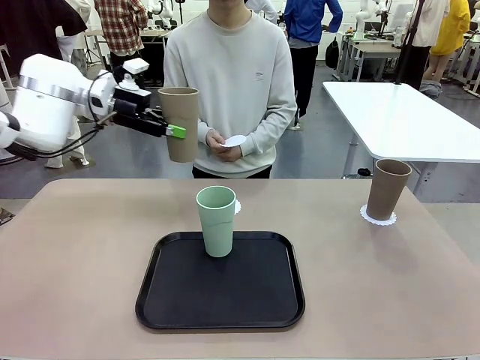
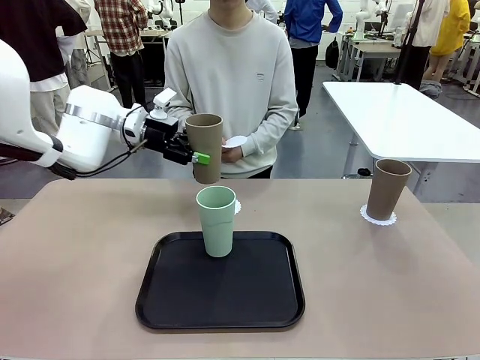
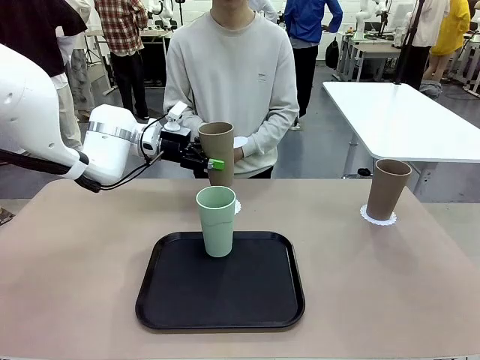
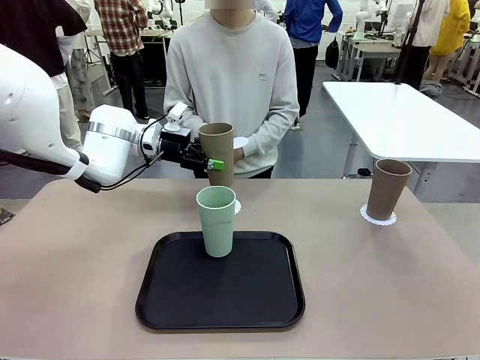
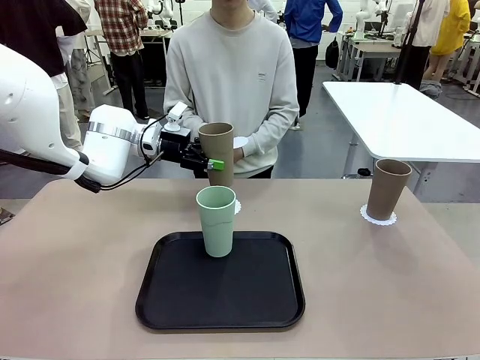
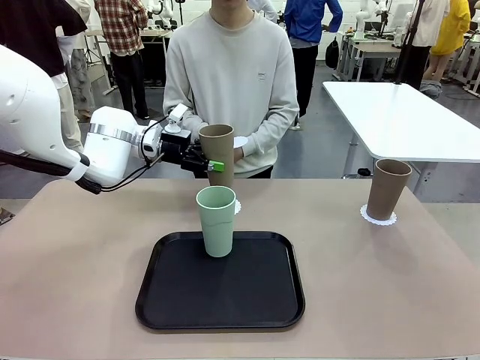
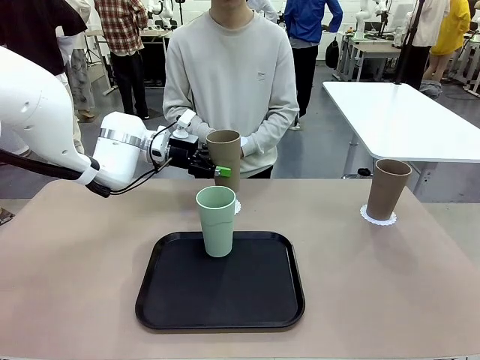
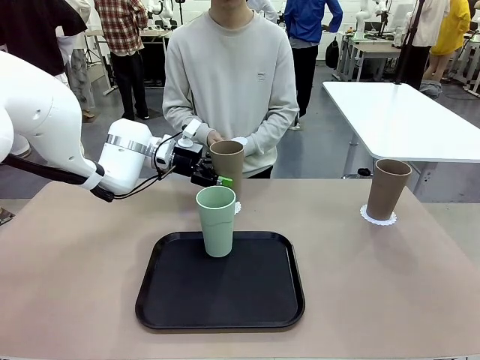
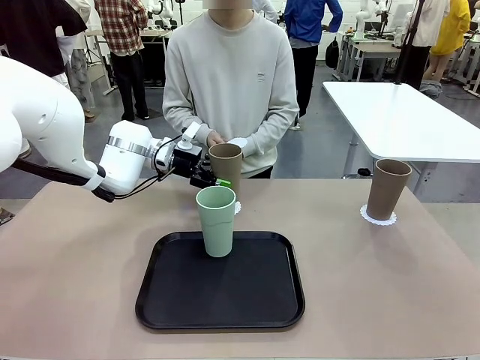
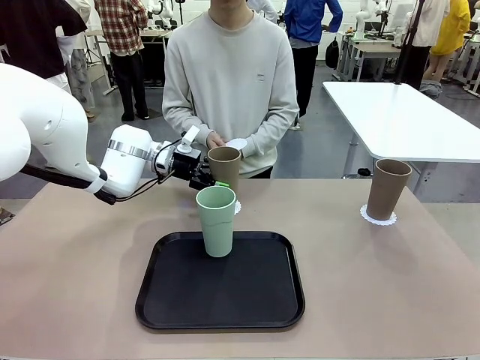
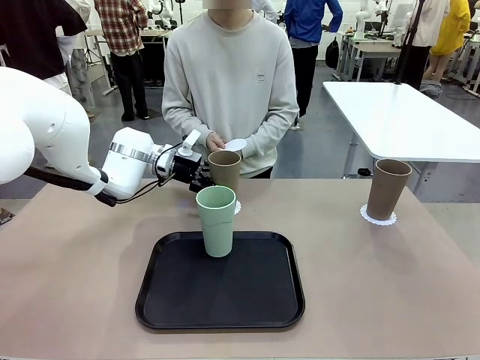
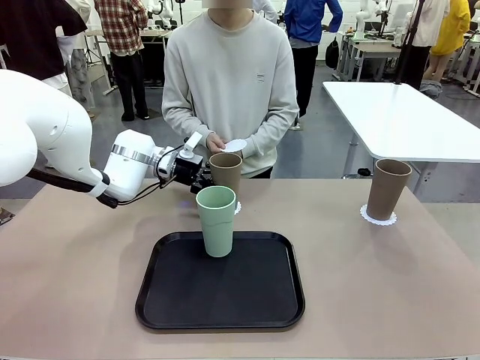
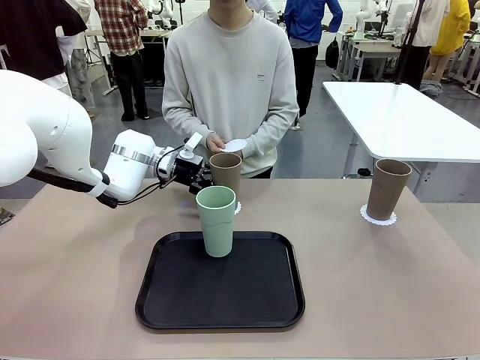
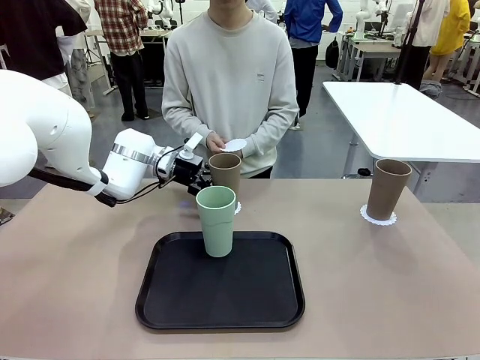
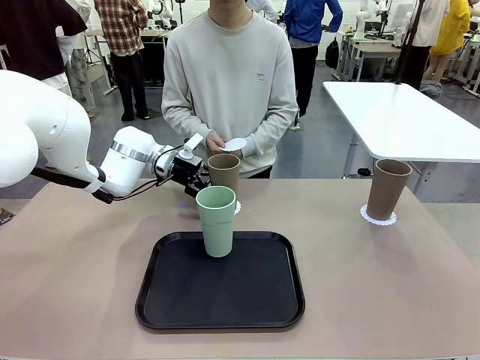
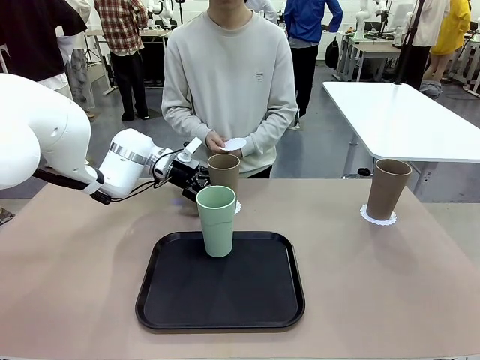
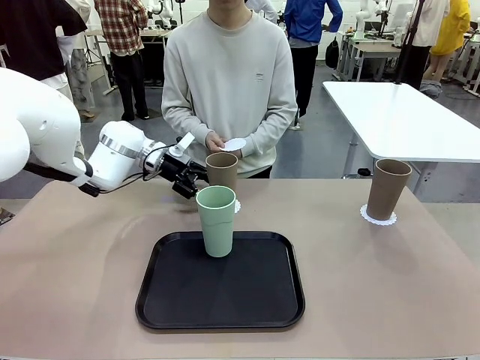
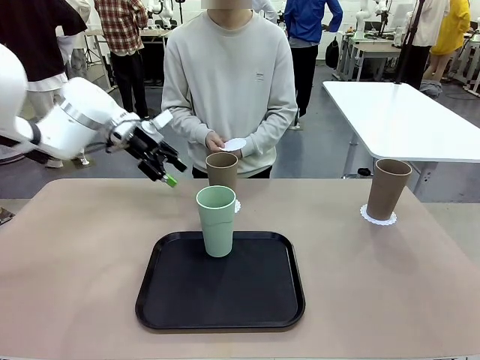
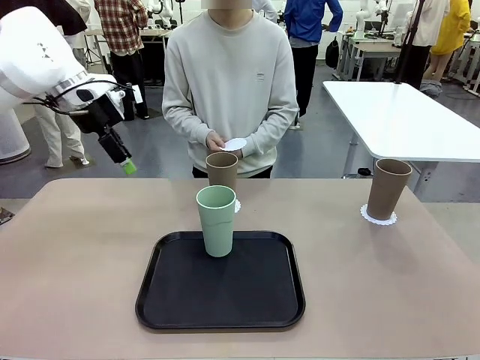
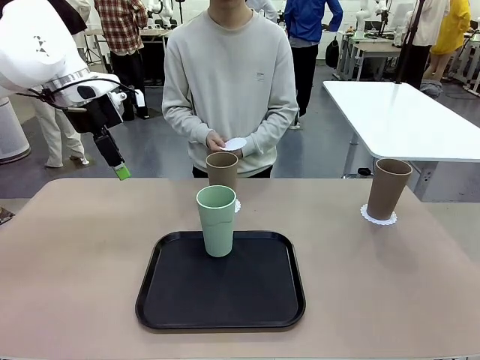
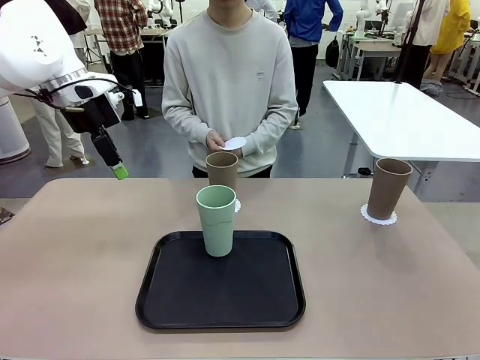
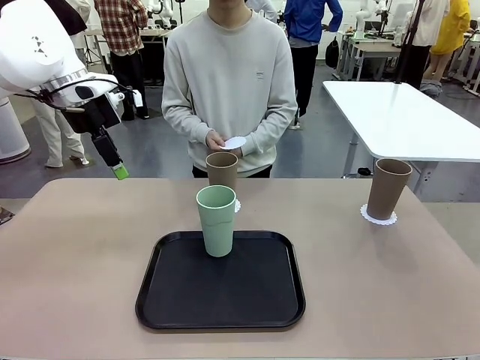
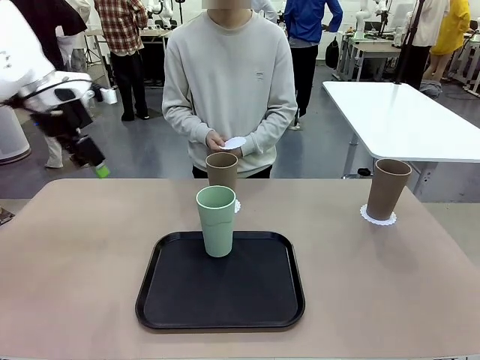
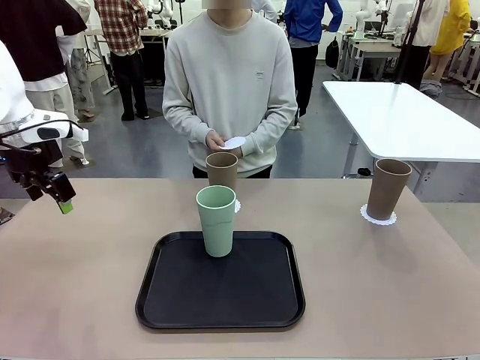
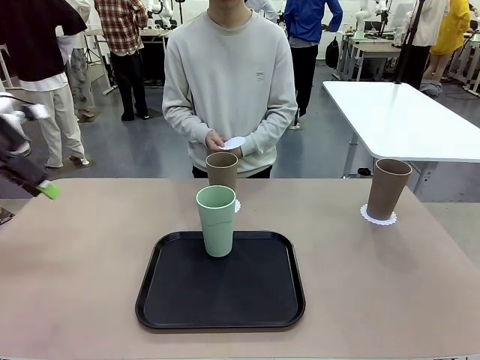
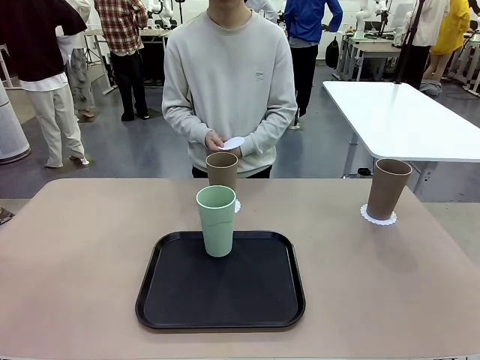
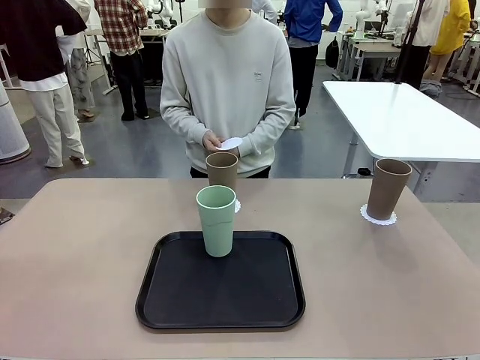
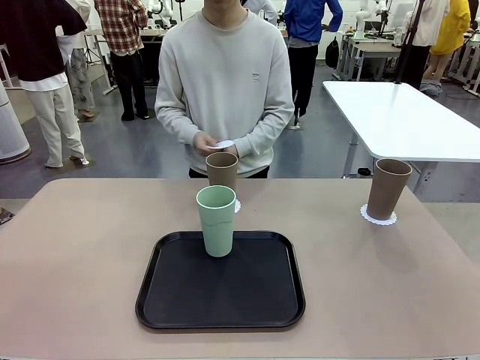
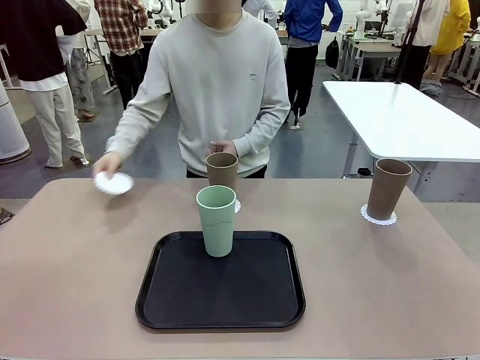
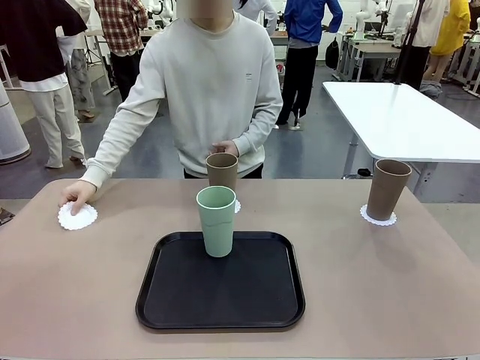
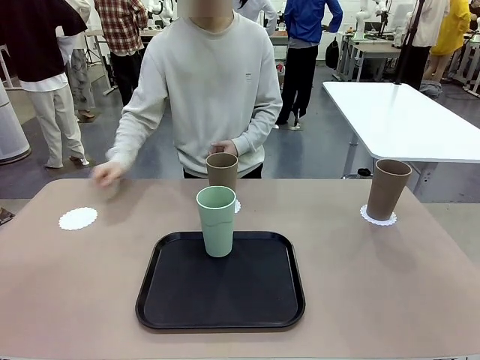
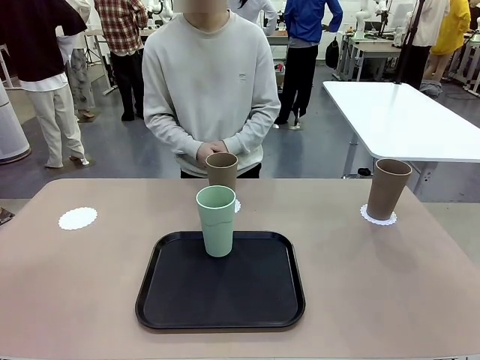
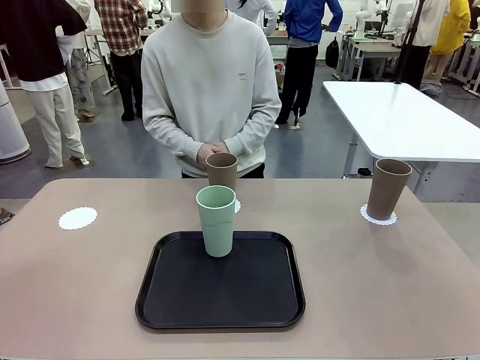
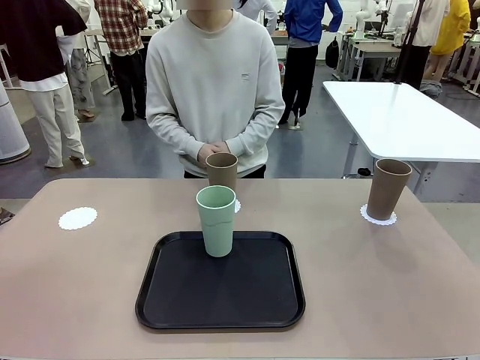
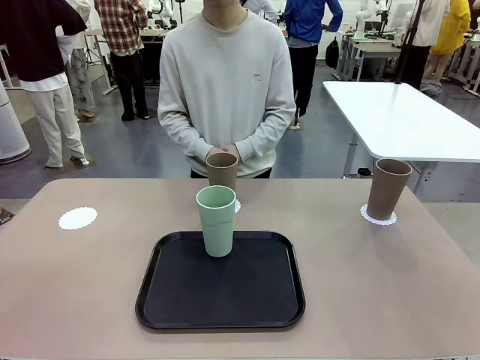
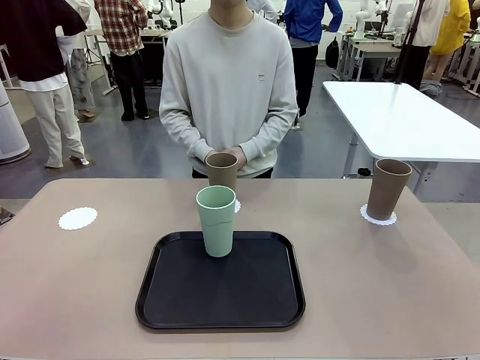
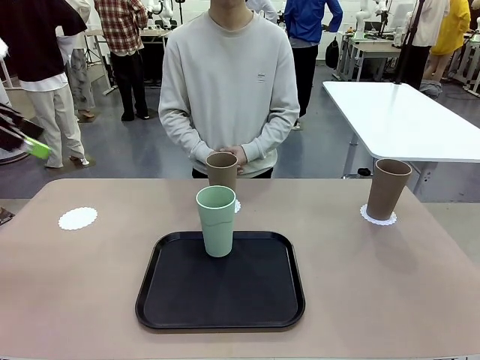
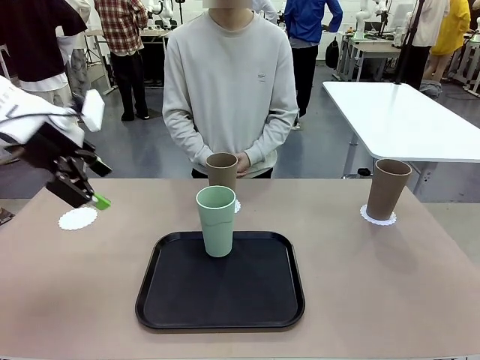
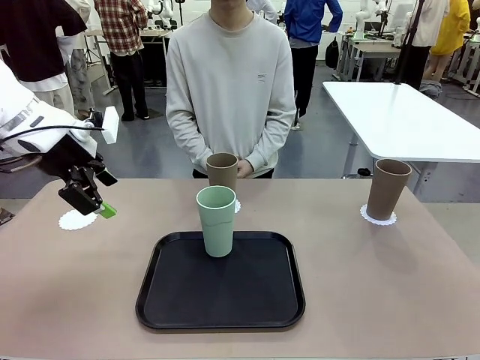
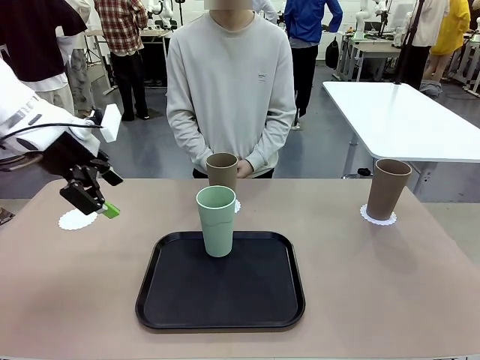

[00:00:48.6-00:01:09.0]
Task: Place coasters on the table and set cups on them.
Robot: Take one Reusable plastic cup from the Flat Tray and place it on a coaster set by the human.

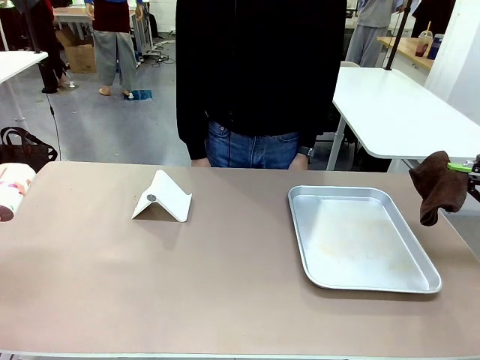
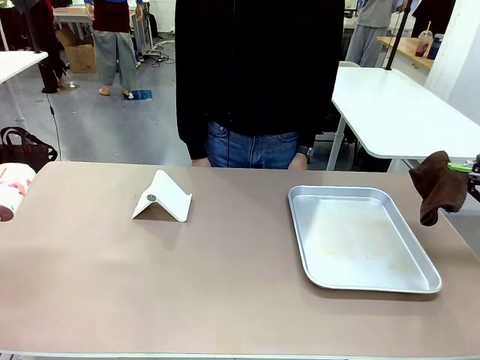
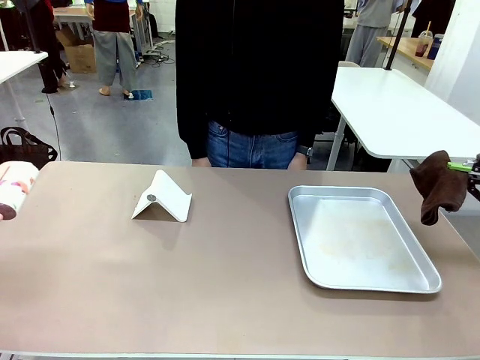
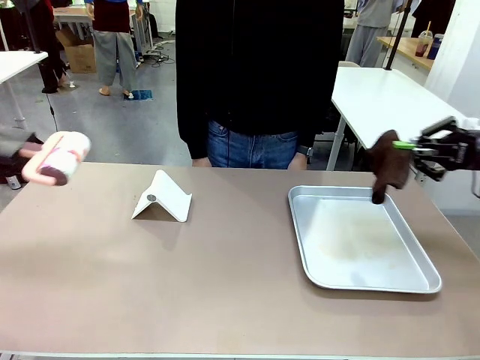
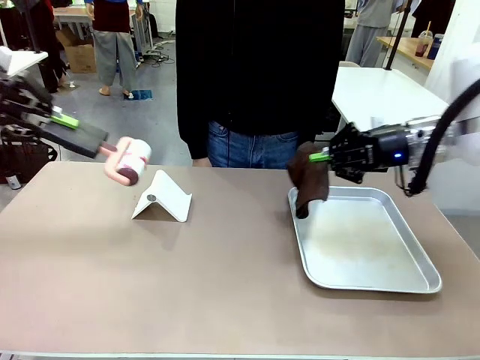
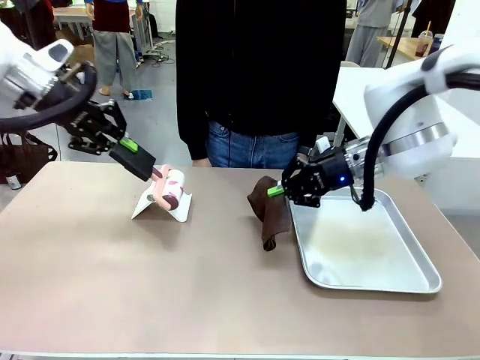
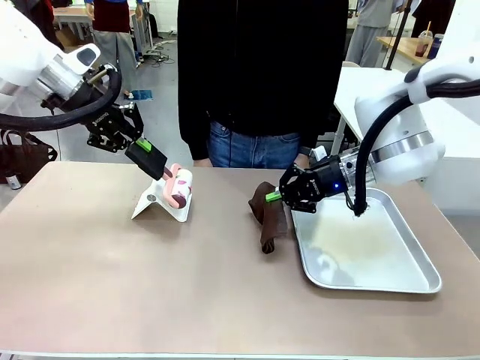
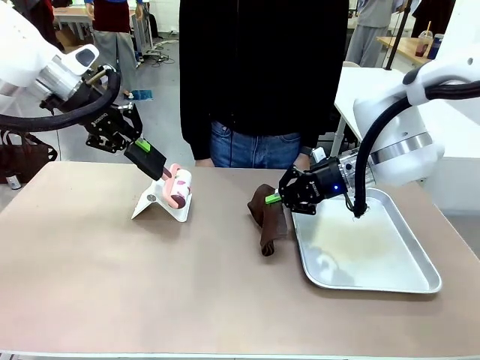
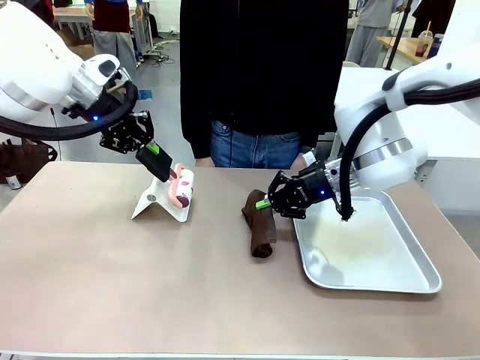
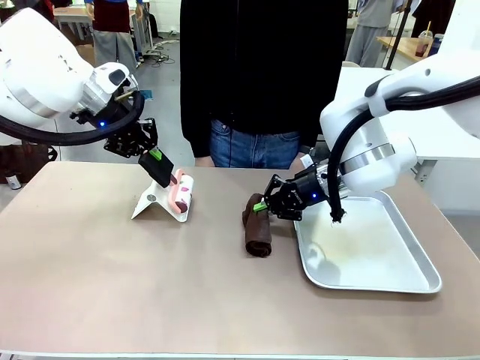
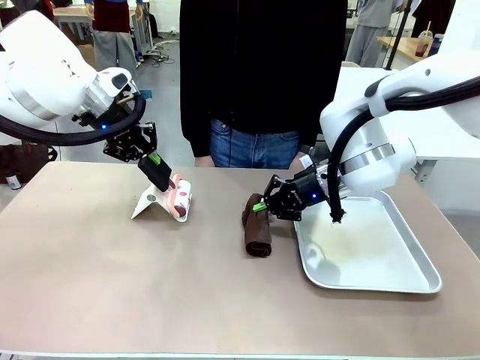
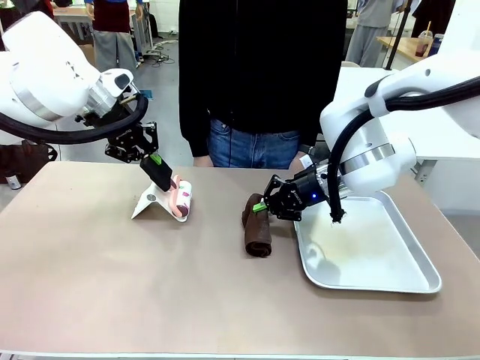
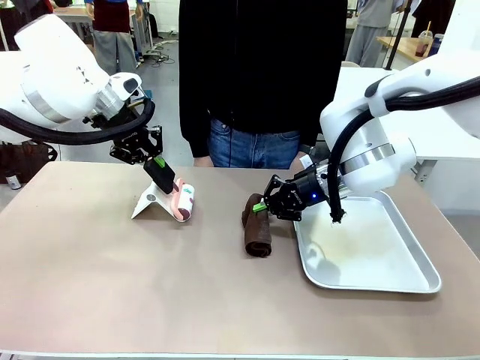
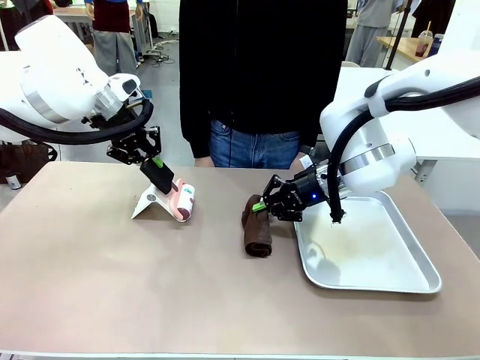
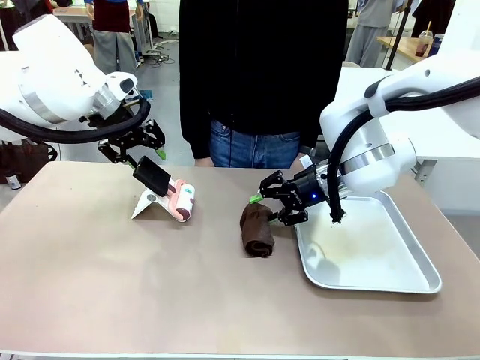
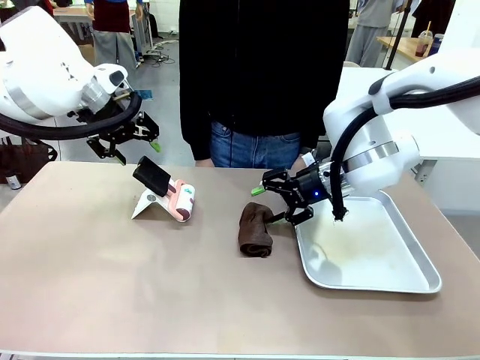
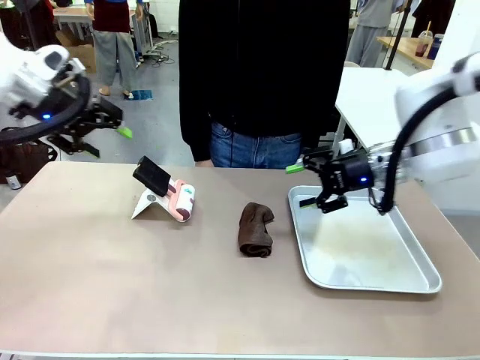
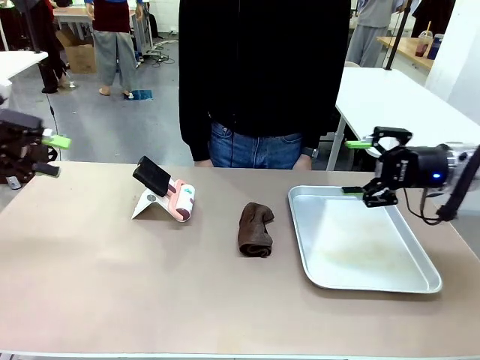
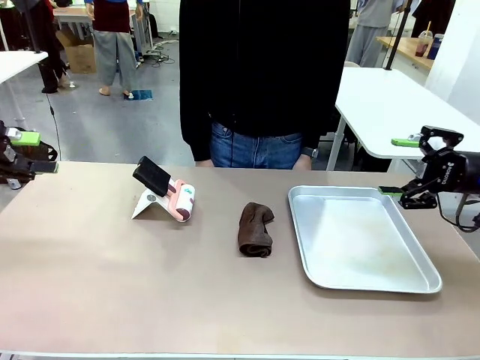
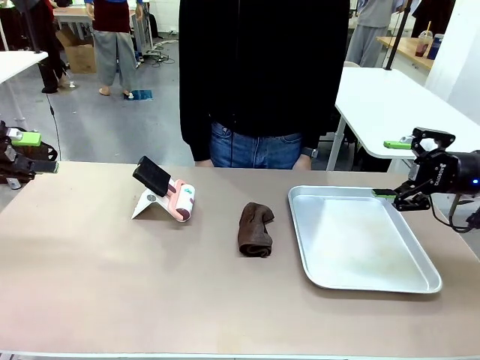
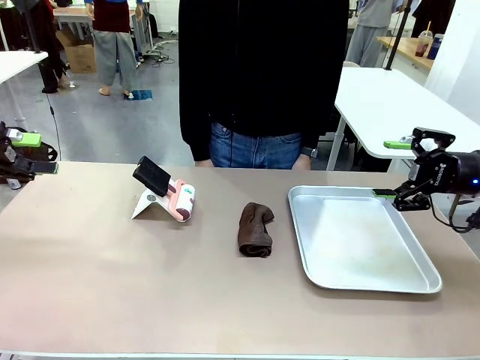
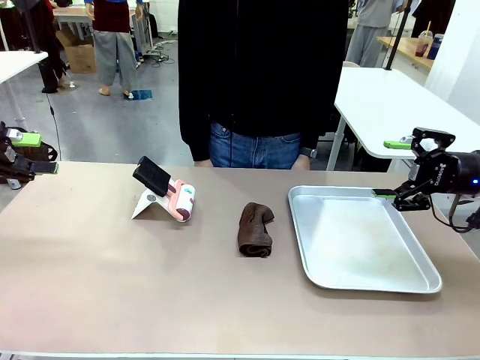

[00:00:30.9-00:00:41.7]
Task: Clean the surface of the table.
Robot: Return the Lint Roller and towel to their original positions.
